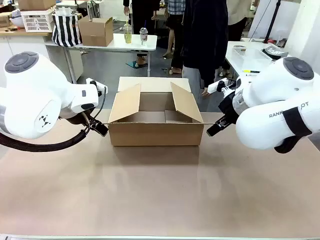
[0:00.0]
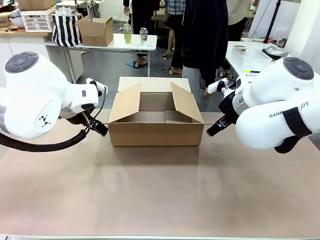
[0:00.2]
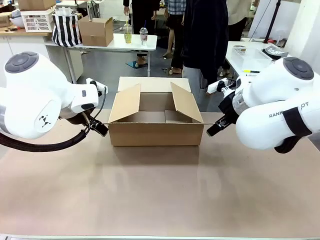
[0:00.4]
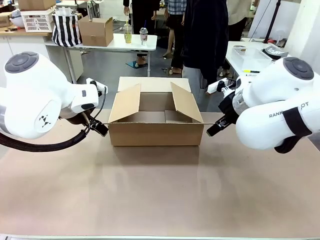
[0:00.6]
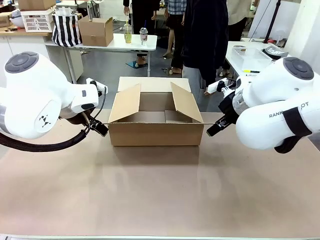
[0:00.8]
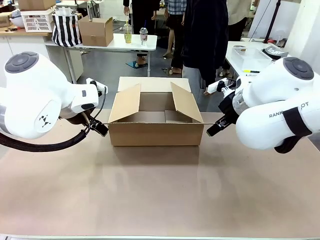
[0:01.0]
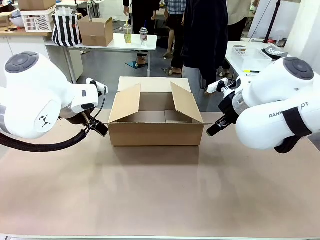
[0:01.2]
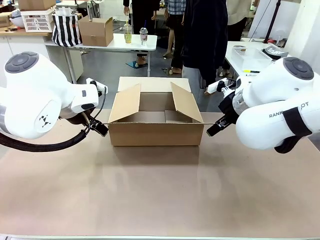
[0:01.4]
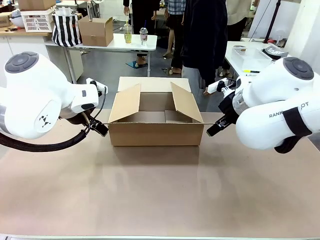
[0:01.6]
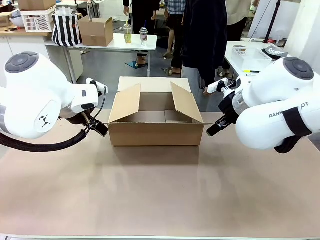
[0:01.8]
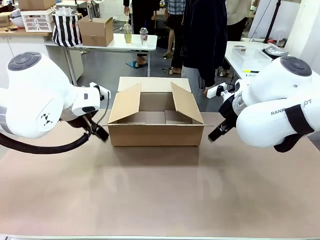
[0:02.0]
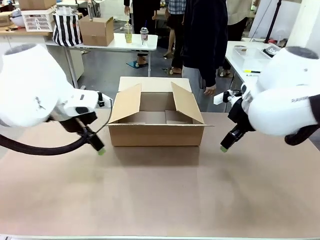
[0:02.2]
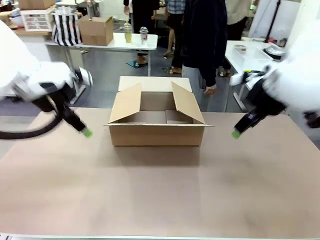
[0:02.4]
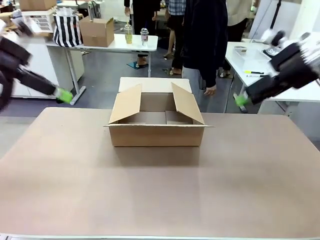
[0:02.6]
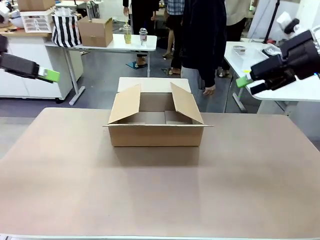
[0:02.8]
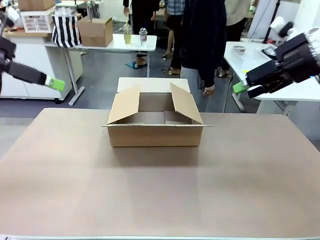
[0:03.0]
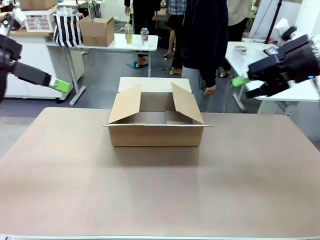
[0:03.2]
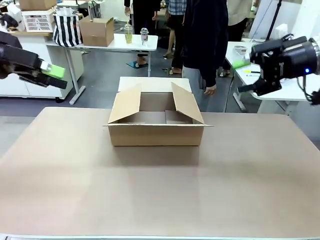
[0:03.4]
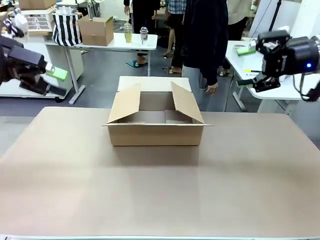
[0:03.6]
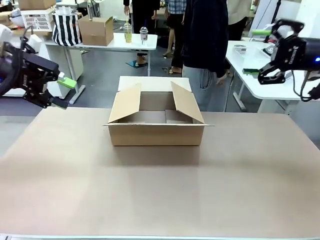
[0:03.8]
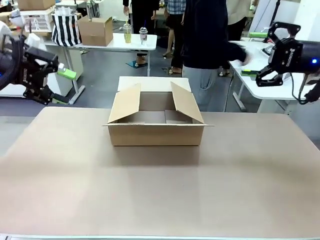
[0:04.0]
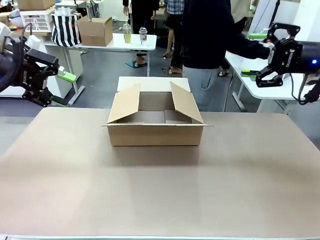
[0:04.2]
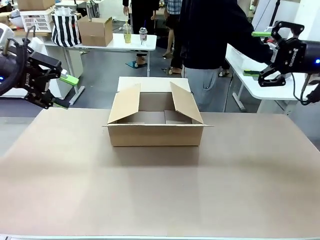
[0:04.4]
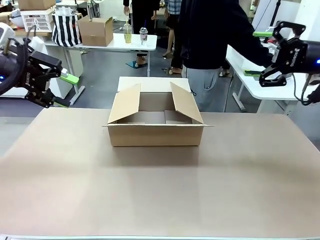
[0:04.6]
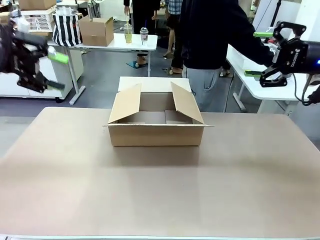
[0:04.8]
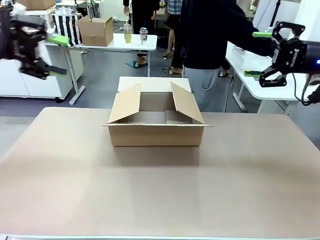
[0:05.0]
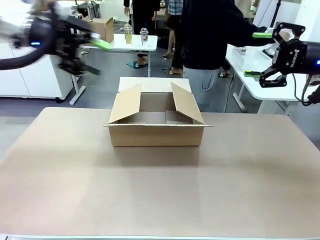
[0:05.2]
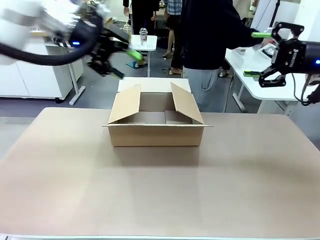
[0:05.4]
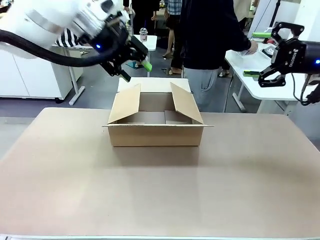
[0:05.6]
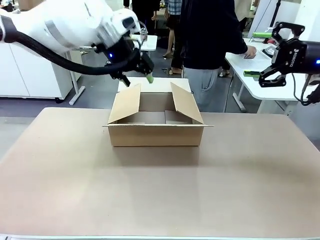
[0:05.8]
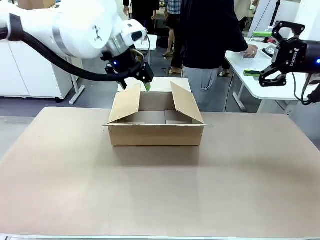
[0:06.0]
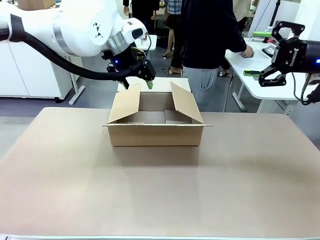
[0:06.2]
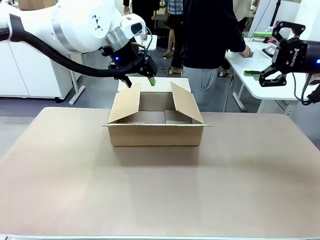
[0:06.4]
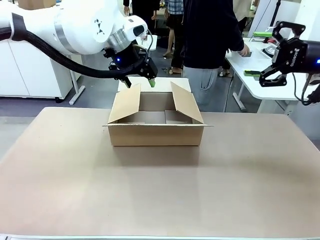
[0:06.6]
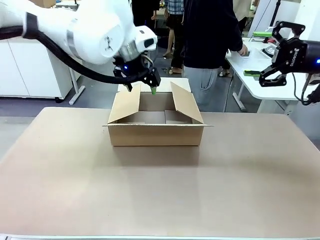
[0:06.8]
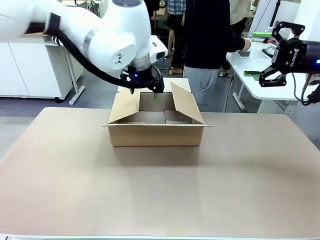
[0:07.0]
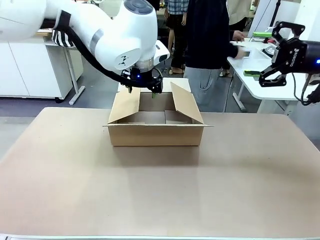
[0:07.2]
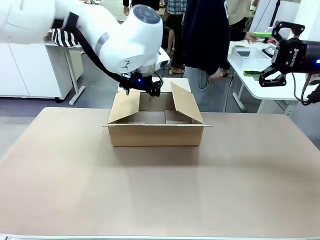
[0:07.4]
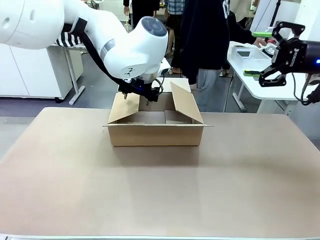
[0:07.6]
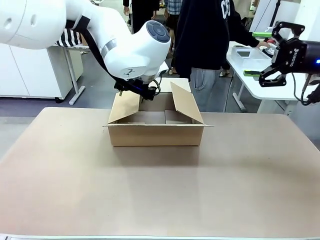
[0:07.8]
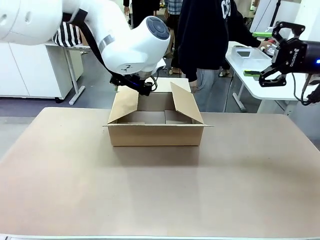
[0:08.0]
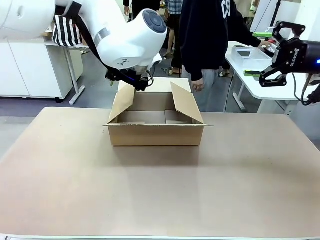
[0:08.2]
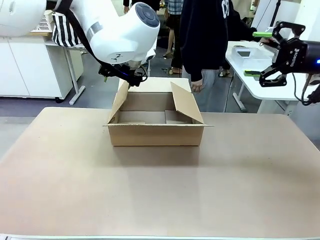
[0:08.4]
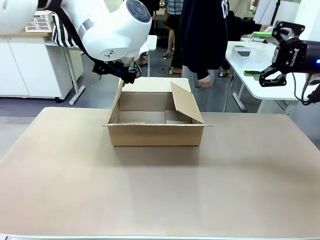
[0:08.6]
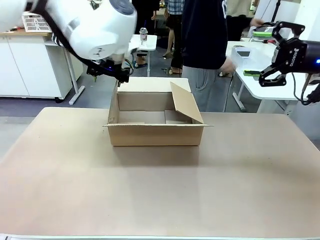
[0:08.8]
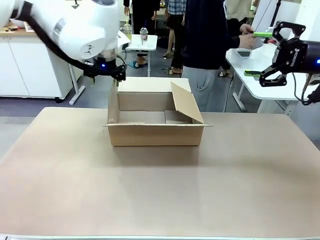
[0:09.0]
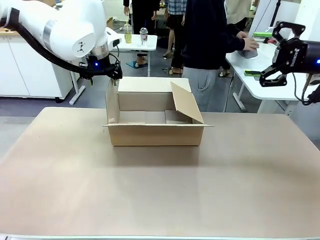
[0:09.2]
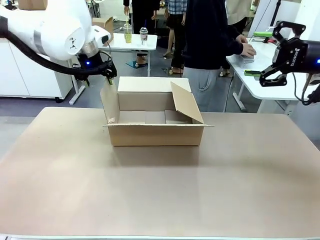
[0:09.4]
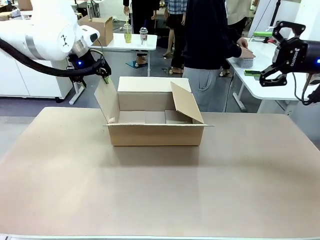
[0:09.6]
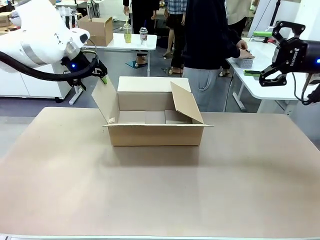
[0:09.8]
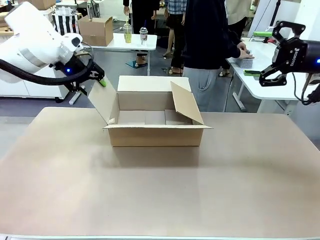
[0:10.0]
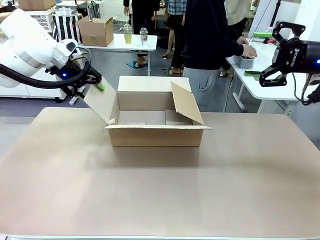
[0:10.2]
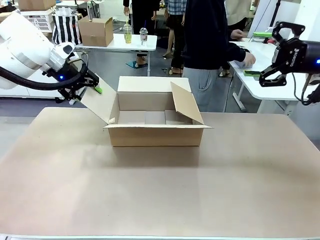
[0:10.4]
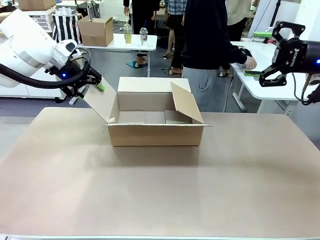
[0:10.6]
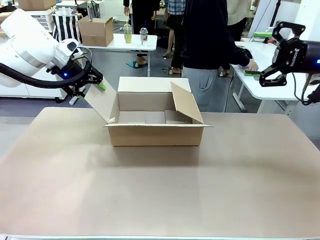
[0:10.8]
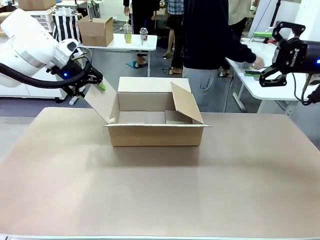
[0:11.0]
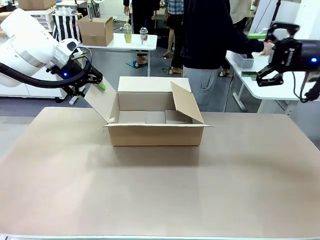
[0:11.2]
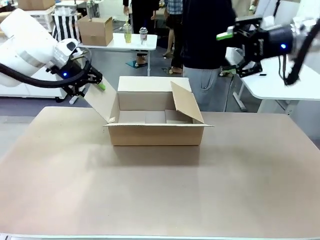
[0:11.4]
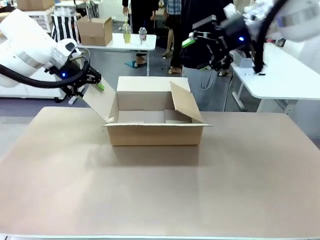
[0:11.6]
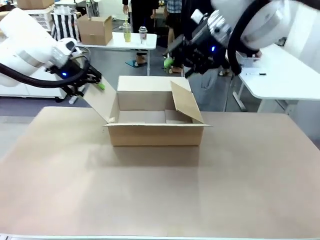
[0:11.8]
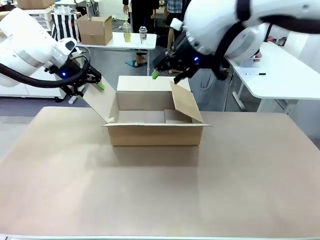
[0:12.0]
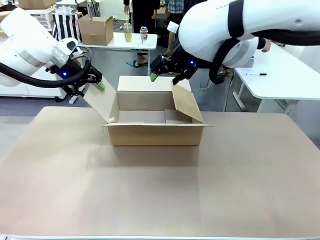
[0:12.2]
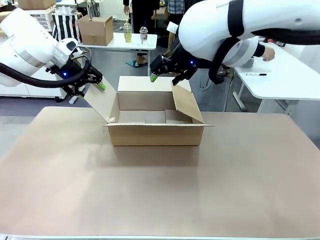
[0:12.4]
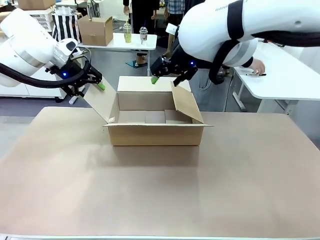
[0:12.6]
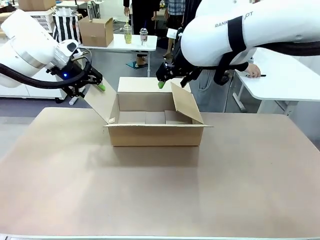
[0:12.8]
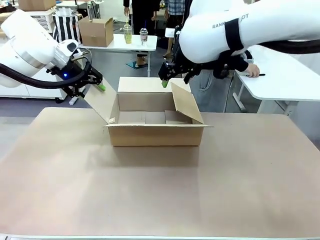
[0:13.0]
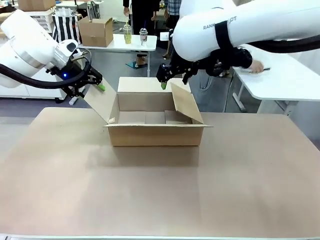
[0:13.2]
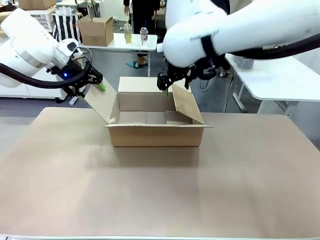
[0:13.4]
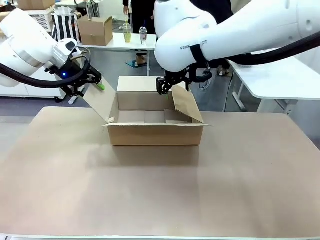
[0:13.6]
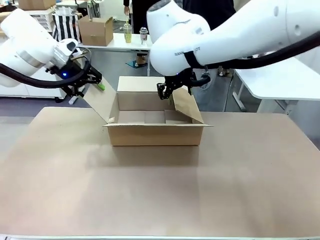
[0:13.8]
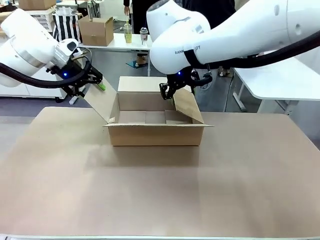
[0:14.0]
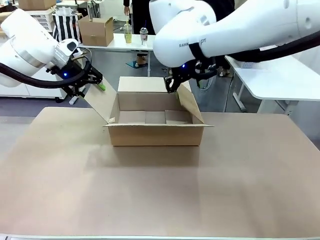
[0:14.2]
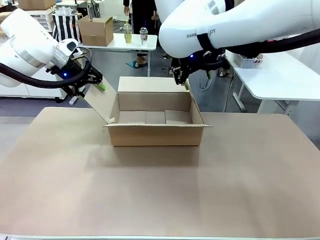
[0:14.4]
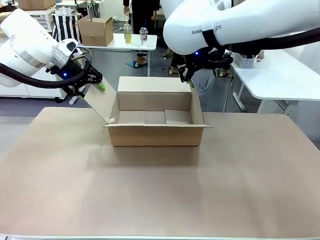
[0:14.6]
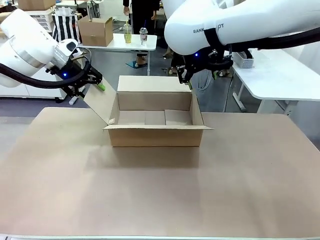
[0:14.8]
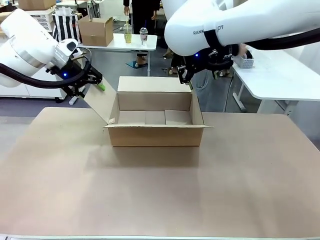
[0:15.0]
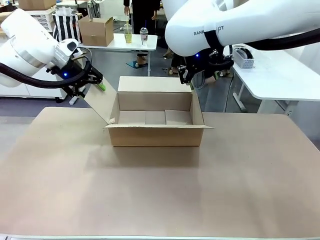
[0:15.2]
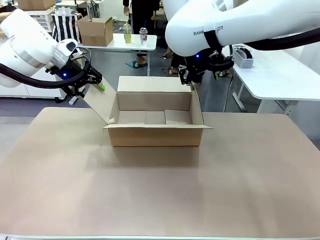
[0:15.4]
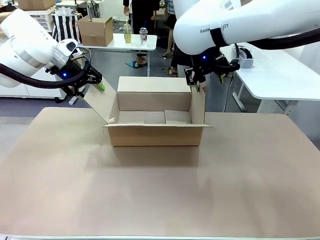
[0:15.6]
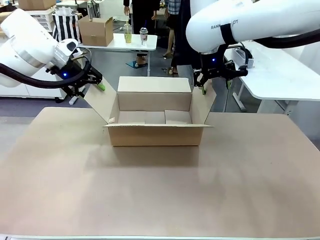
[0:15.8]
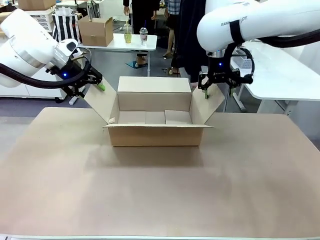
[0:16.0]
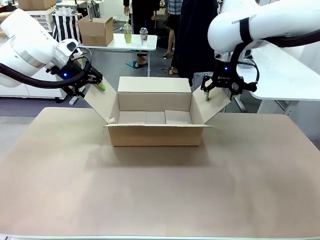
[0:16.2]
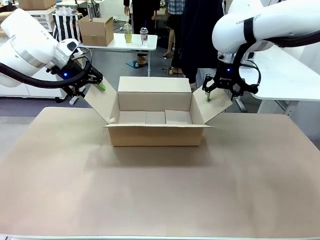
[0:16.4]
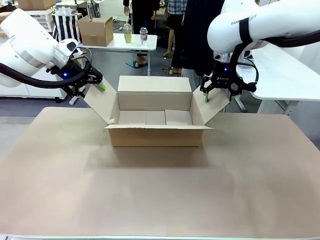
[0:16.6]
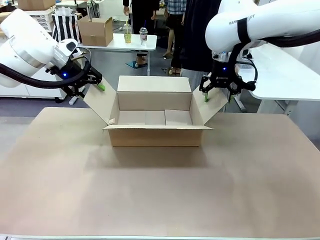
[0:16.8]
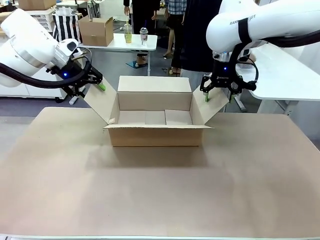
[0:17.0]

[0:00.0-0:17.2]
Task: Pack the gift set into the box.
Robot: Place both hands on the side flaps of the Package Box and spread them outward.
Person: The human places all items except the paper tape into the organizing basket.

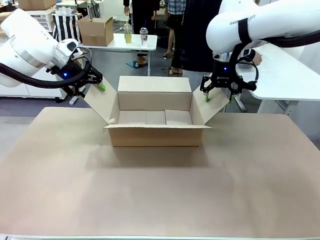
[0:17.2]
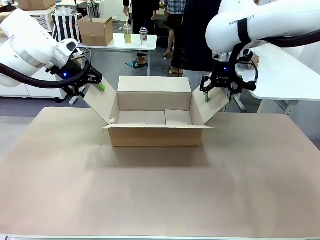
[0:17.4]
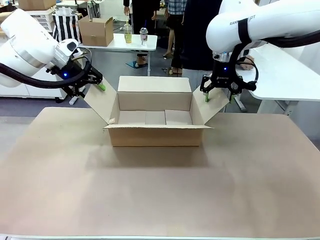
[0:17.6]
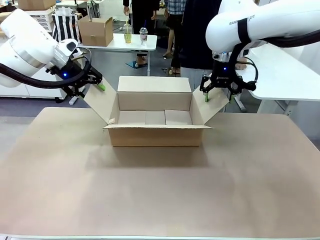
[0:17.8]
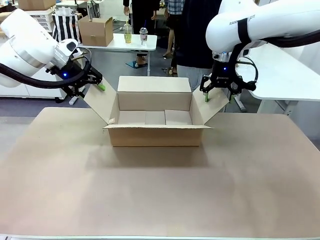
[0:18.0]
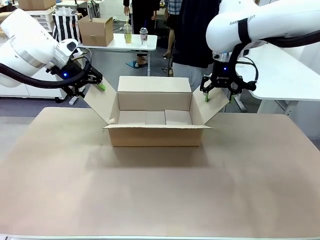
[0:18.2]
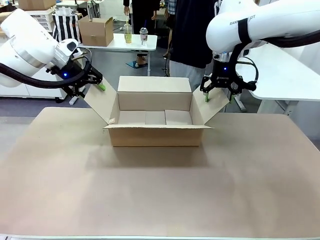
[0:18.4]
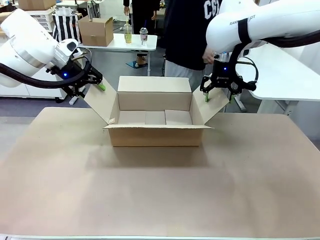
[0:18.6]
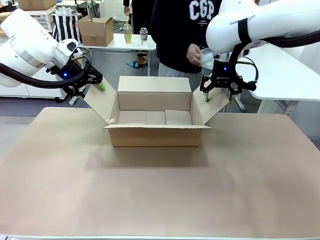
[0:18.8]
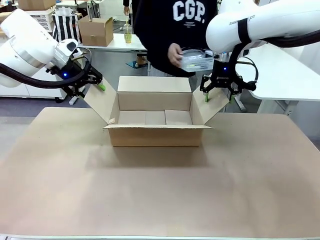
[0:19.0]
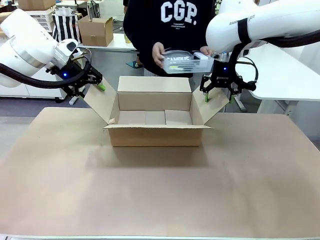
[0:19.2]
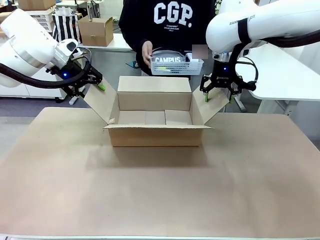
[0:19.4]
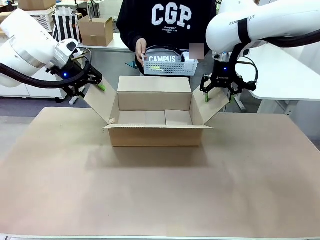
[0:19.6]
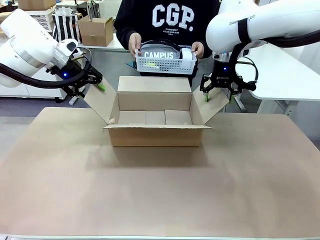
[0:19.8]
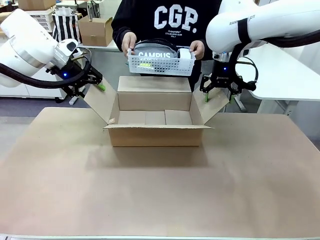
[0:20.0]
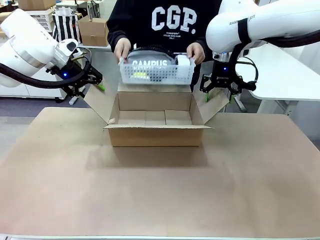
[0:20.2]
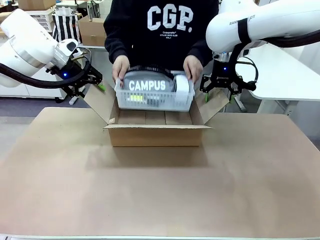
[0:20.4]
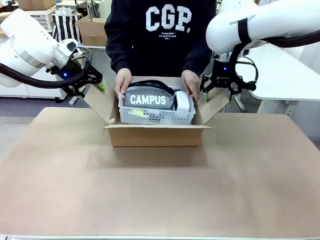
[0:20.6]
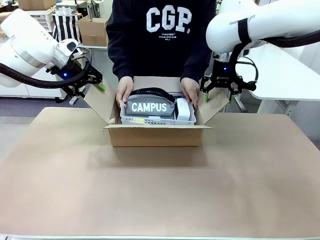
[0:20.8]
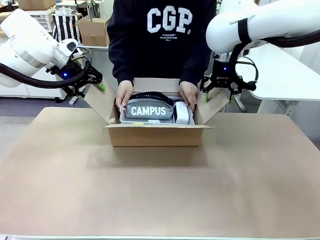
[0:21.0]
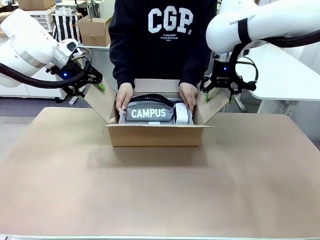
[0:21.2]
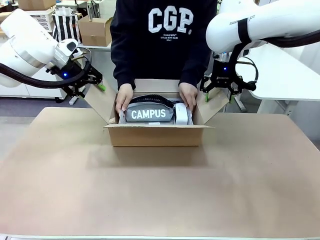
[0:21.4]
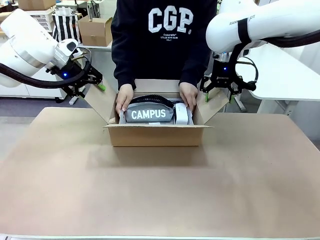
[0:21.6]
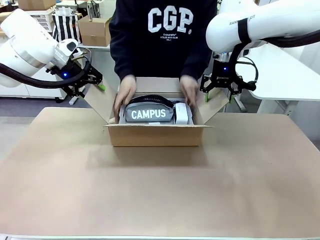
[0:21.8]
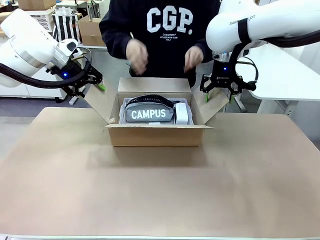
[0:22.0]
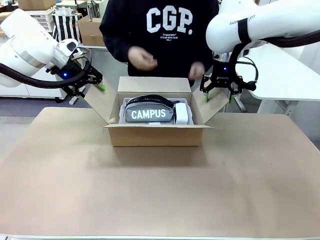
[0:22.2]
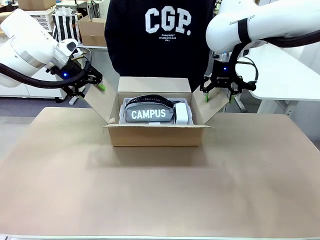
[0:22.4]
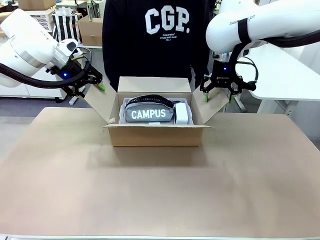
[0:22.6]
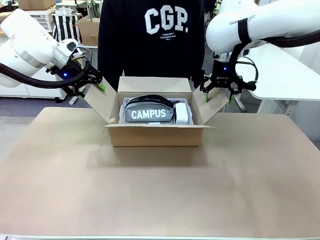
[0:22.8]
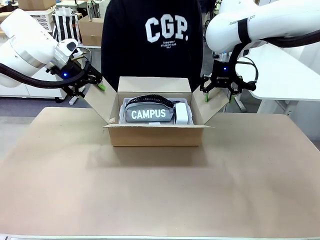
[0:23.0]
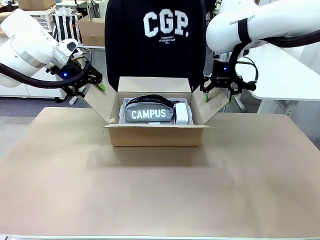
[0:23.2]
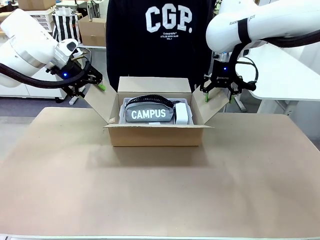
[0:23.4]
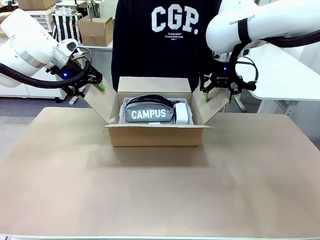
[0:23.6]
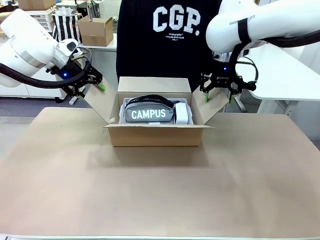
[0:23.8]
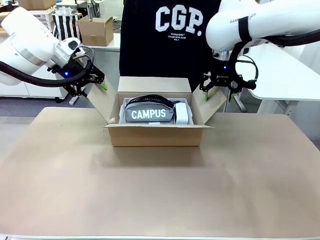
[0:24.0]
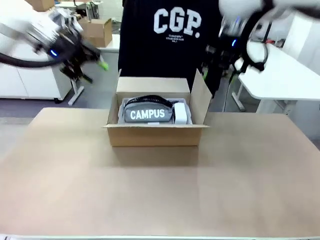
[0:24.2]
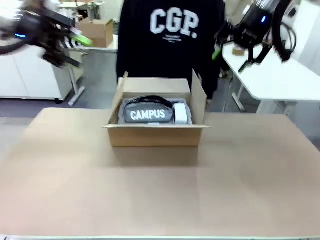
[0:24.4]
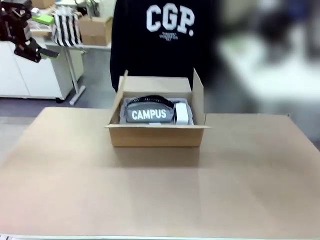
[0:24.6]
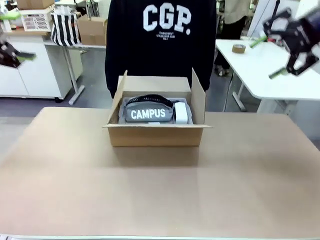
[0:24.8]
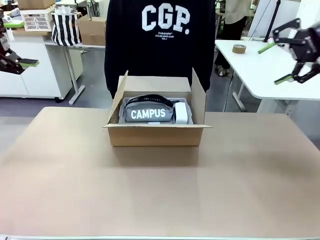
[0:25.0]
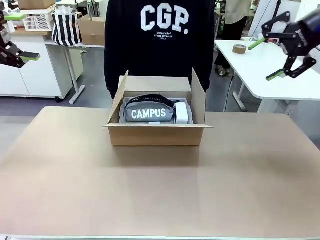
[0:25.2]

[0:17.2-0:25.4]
Robot: Lift both hands away from the flaps of the Package Box.
Person: The human picks up the organizing basket and places the organizing basket into the package box on the robot table.
